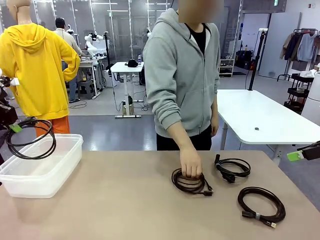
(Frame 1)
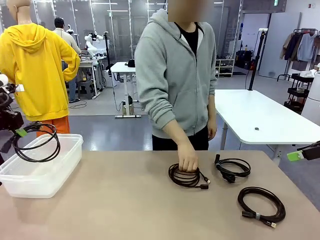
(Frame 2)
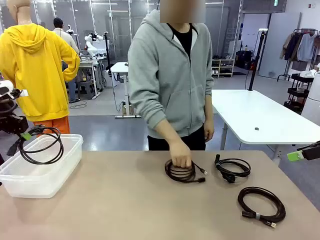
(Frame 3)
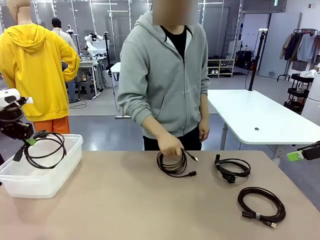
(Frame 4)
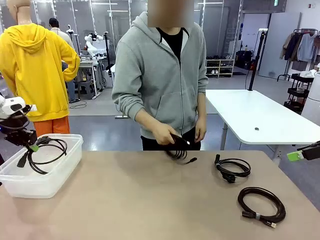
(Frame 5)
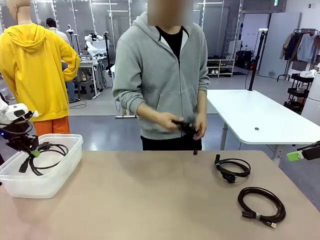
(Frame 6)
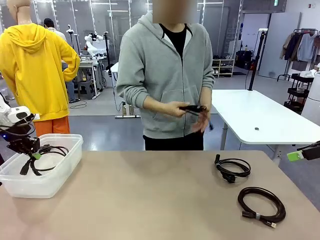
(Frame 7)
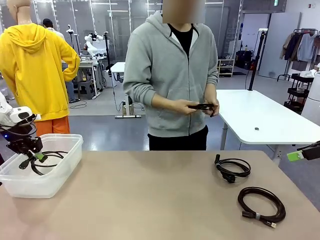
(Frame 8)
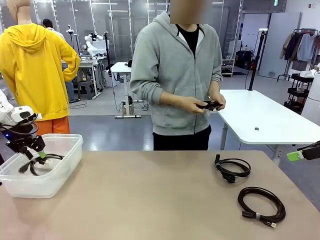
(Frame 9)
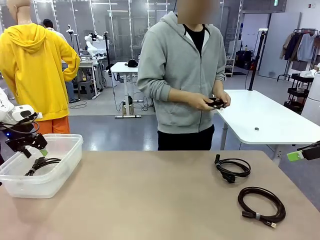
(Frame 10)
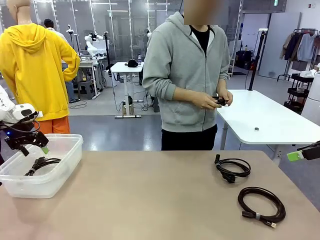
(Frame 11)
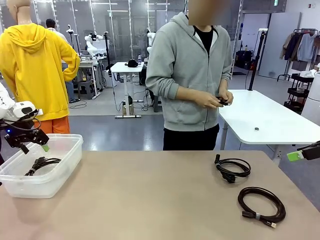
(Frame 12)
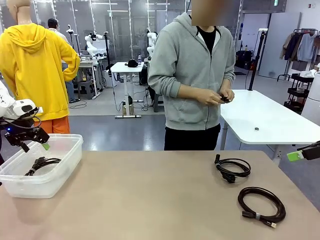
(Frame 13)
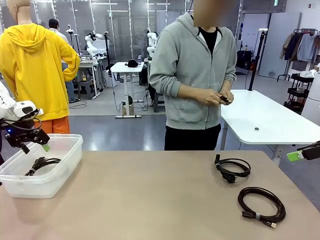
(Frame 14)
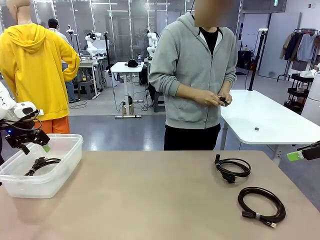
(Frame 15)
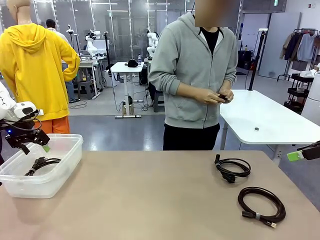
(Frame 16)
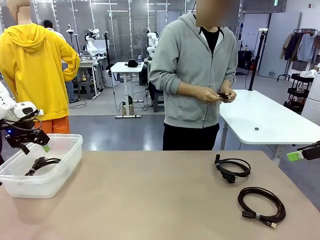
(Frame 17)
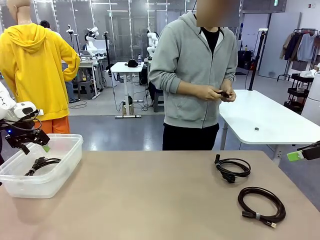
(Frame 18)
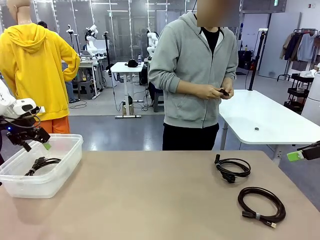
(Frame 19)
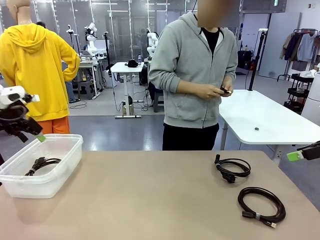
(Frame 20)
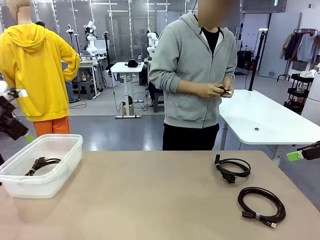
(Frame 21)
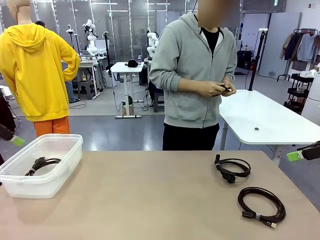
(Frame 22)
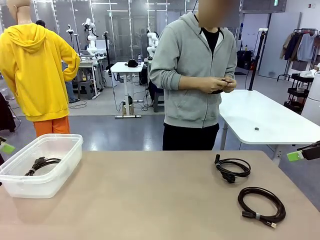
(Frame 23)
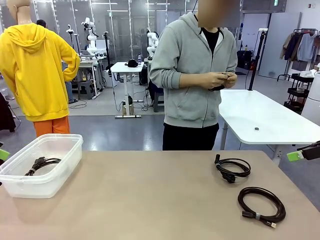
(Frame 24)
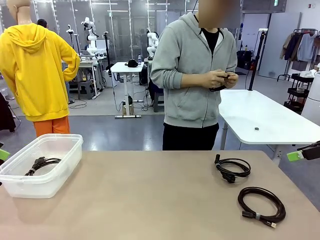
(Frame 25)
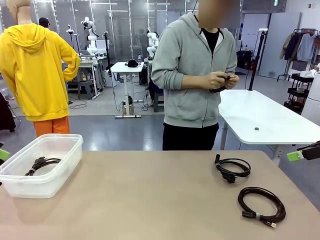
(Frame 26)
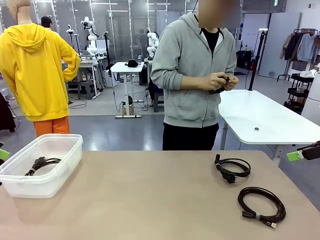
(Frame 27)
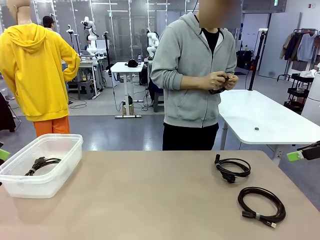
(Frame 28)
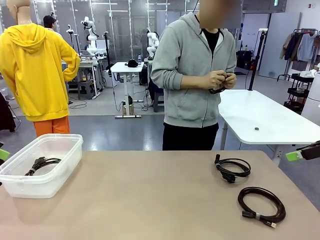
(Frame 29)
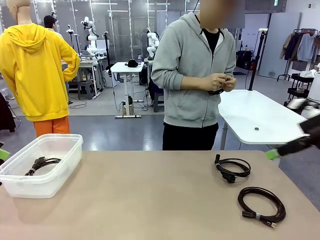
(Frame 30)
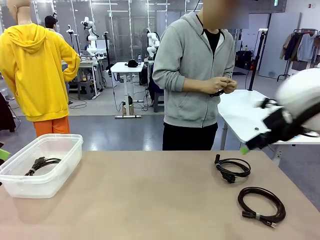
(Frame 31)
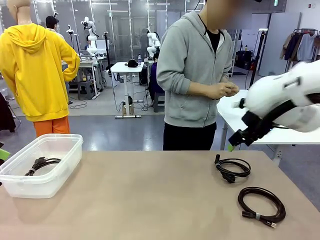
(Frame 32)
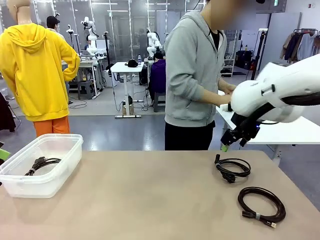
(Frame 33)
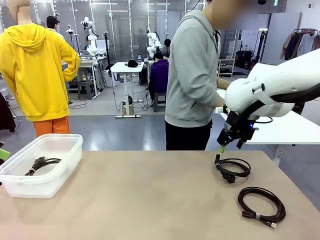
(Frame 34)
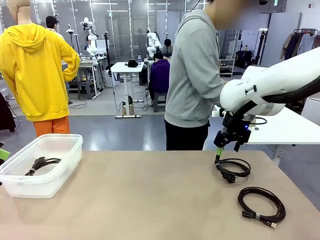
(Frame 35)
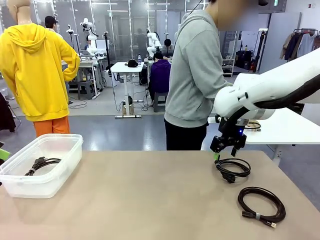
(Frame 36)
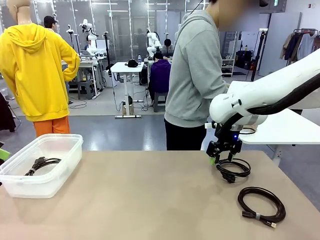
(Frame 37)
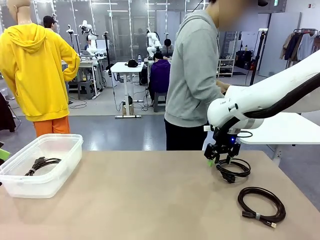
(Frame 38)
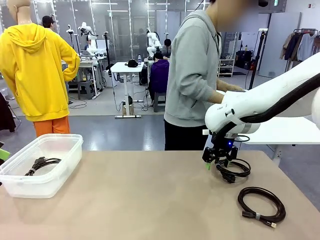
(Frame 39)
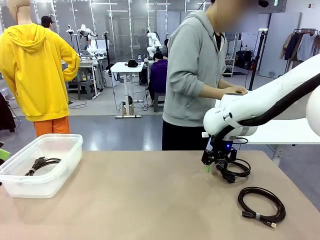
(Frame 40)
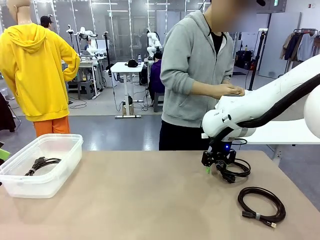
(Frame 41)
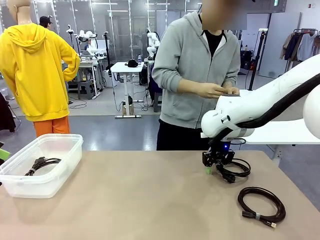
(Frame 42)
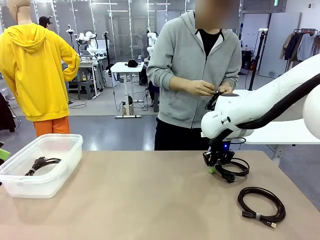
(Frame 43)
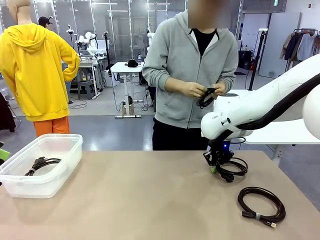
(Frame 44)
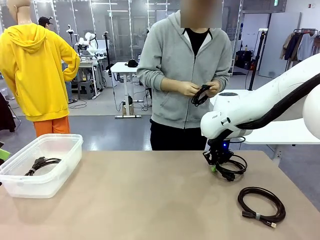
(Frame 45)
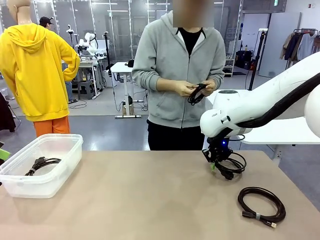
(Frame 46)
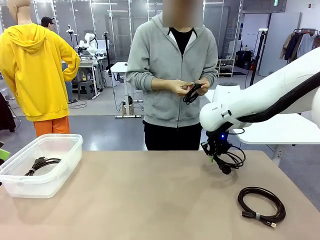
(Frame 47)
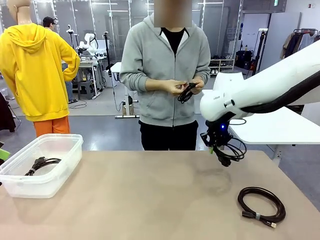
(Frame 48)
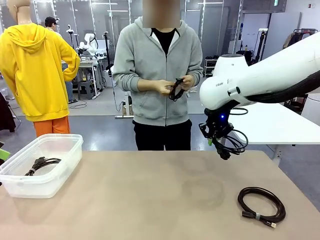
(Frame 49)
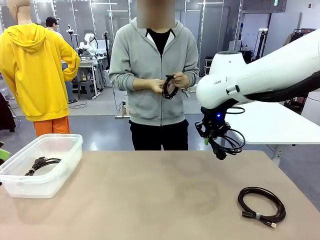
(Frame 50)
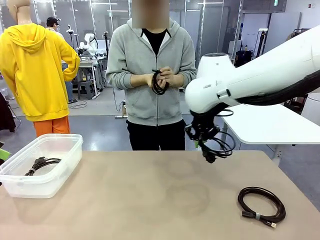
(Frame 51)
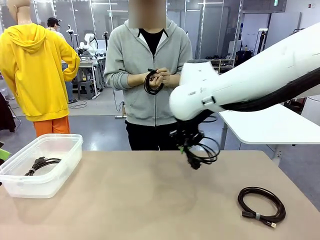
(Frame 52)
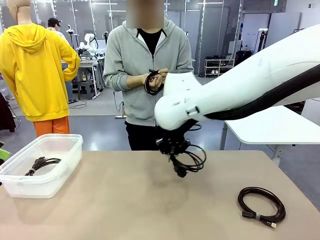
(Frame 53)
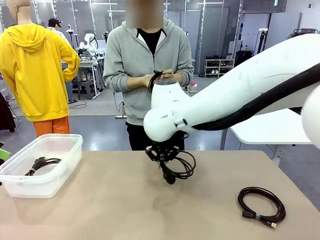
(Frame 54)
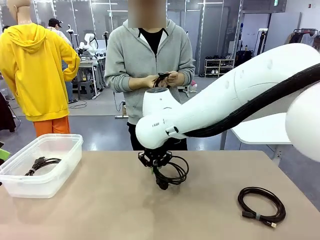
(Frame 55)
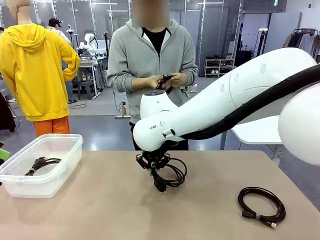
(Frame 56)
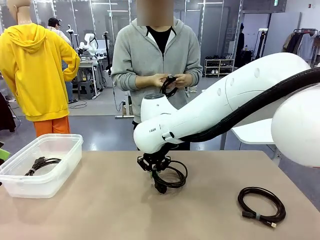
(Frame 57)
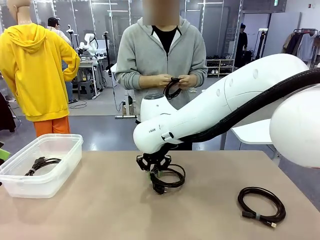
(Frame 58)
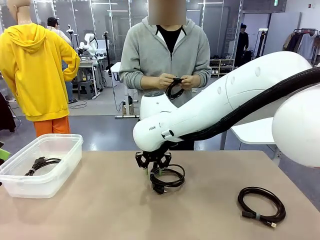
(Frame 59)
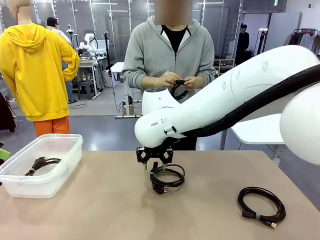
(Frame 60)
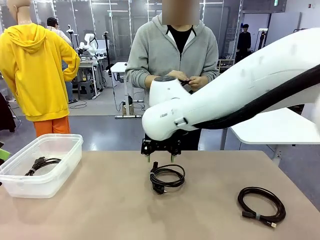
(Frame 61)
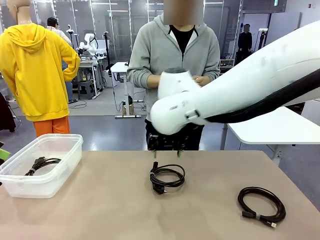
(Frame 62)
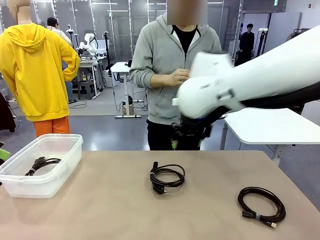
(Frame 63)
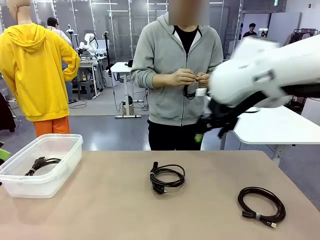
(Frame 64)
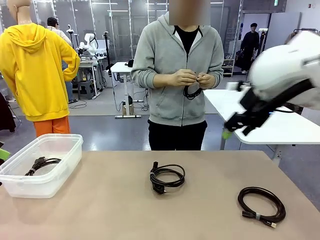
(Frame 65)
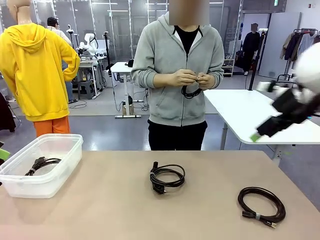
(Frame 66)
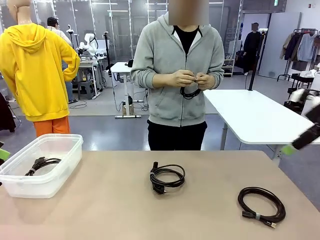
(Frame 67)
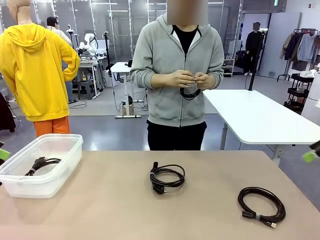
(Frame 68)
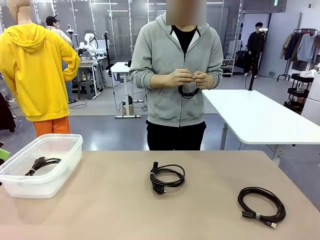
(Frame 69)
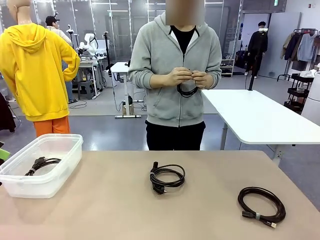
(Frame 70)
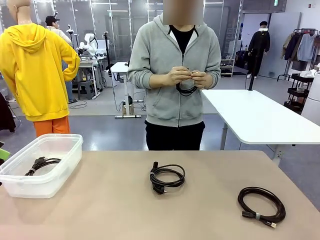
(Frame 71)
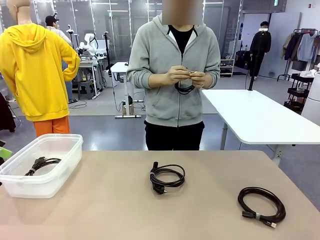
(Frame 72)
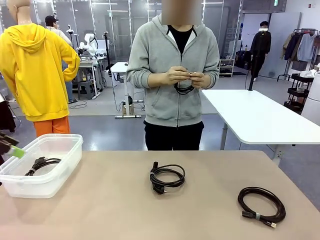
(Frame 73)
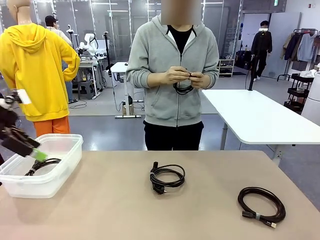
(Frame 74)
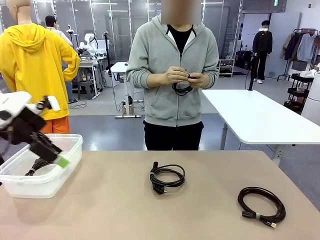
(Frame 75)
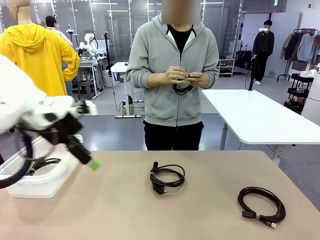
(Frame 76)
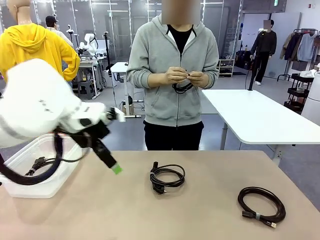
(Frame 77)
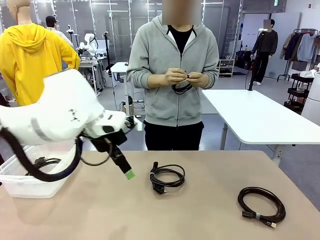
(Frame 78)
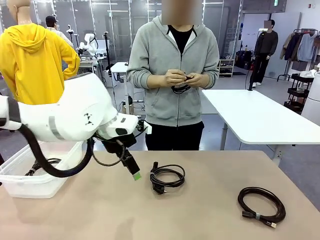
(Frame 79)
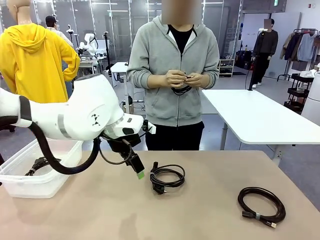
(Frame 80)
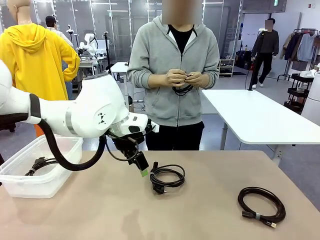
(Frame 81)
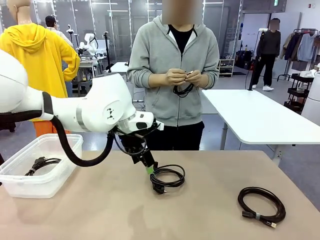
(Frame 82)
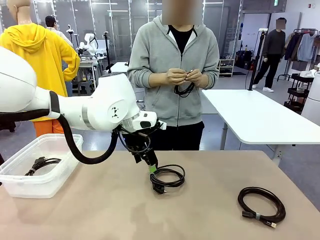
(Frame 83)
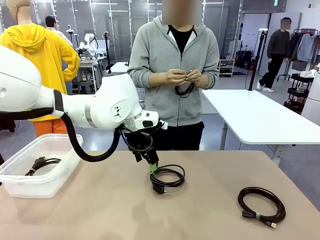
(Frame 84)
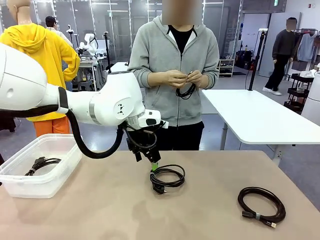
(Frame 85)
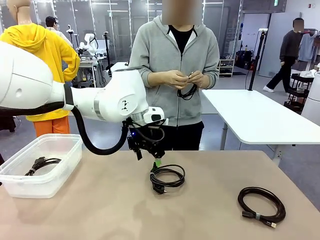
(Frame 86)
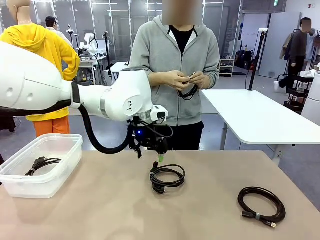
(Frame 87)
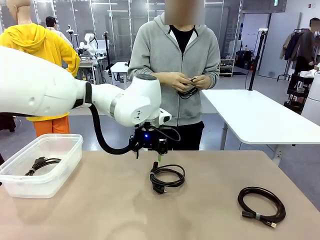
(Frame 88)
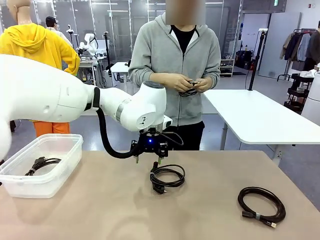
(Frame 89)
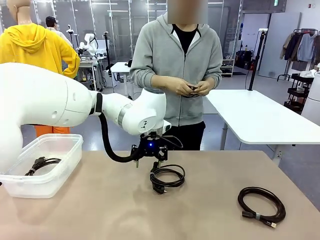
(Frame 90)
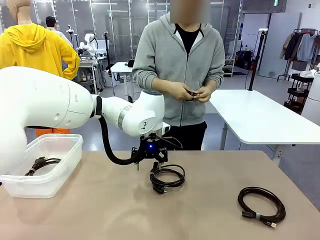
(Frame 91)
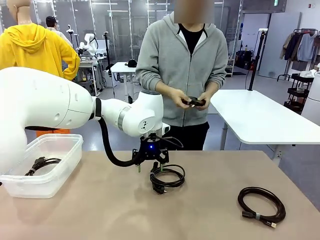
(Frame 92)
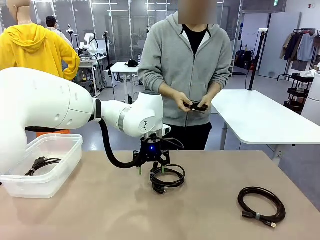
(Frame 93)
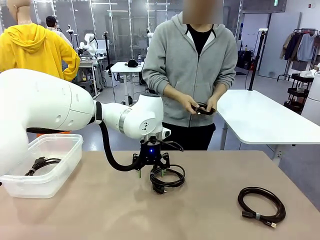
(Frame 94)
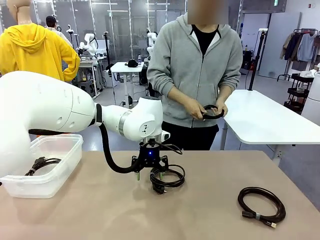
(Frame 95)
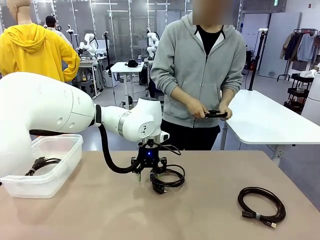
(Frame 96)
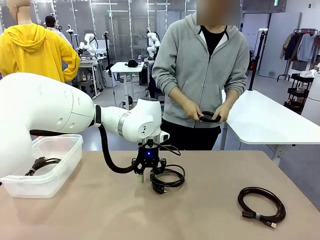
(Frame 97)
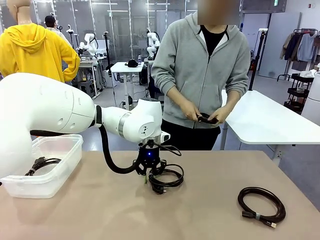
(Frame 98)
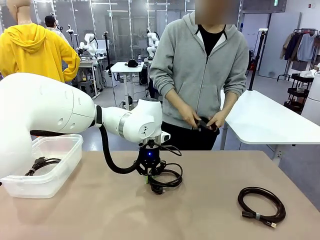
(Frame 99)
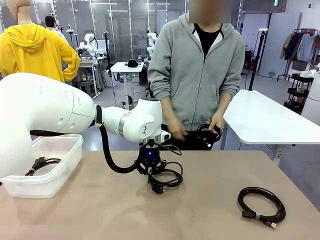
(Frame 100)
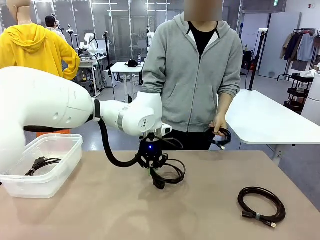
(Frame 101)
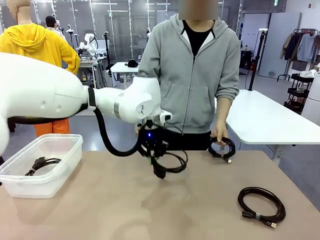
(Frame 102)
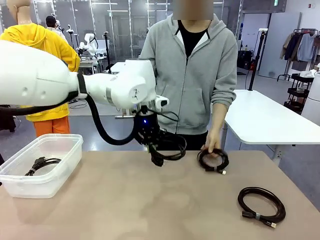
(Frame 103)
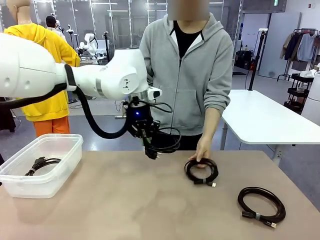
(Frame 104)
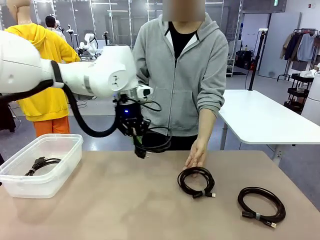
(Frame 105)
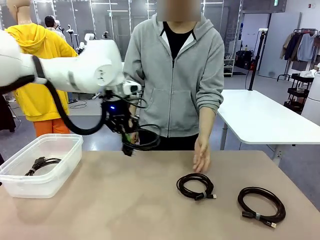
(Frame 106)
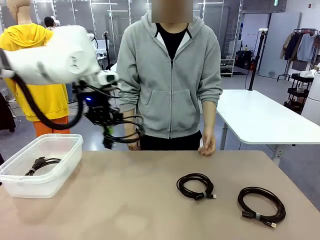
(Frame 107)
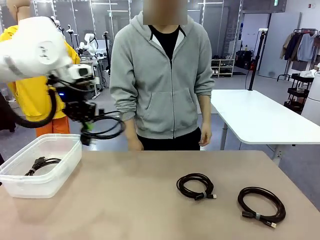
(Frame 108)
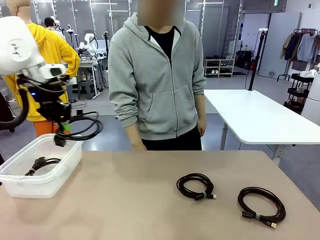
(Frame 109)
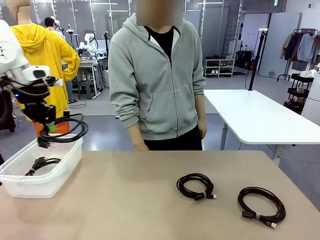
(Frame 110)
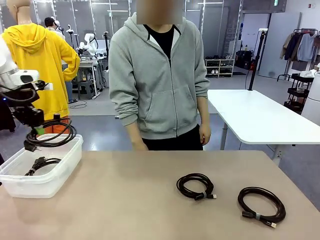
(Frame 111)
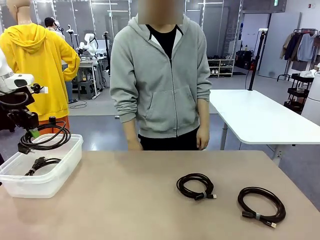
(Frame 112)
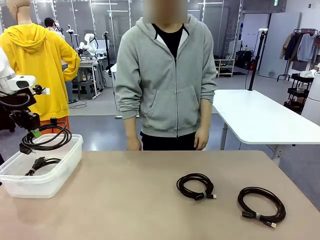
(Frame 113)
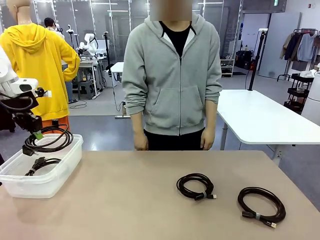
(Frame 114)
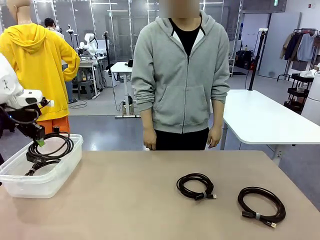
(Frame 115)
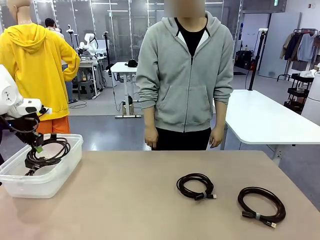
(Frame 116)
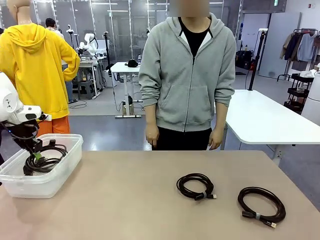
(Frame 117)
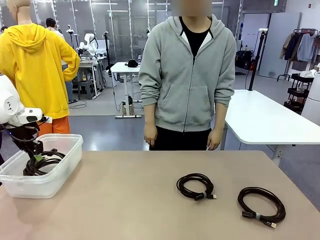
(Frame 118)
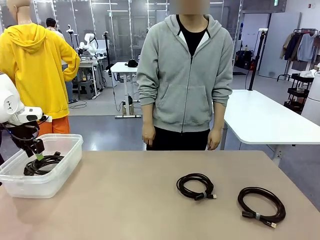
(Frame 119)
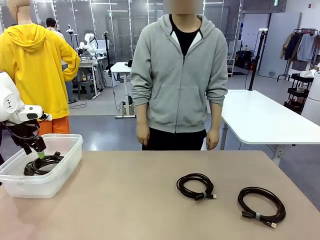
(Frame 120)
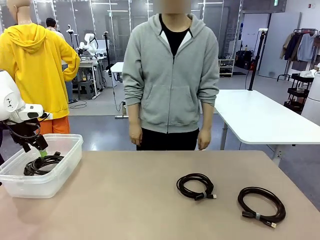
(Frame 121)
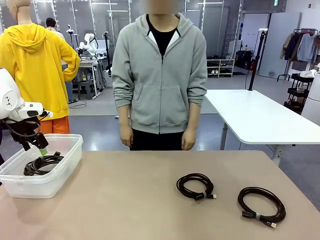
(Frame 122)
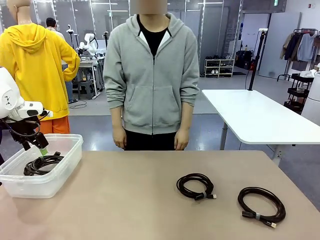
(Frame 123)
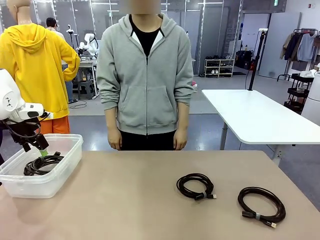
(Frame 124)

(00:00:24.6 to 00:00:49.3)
Task: Organize and store the cables.
Robot: Place the Power Cable into the Organizing box.
